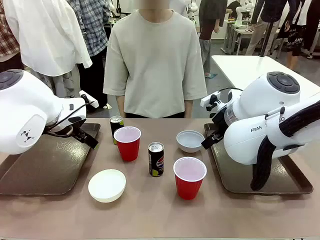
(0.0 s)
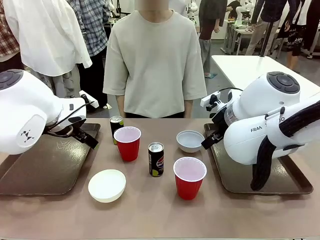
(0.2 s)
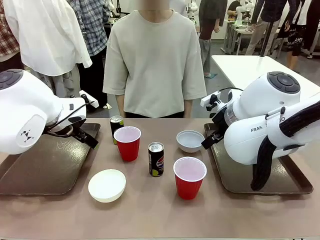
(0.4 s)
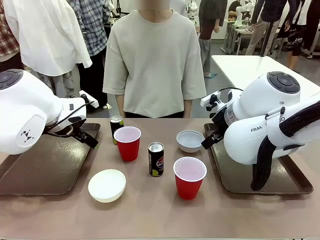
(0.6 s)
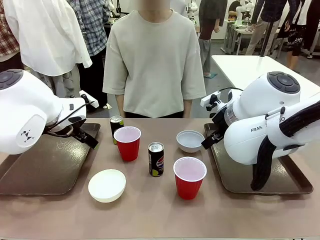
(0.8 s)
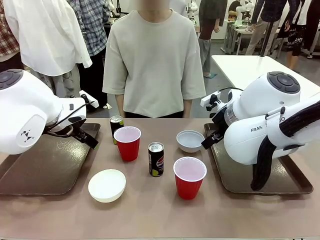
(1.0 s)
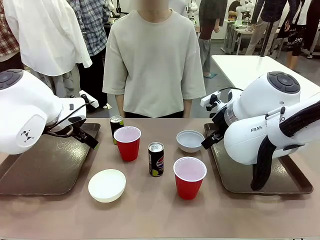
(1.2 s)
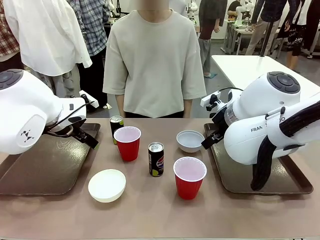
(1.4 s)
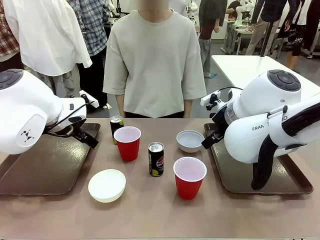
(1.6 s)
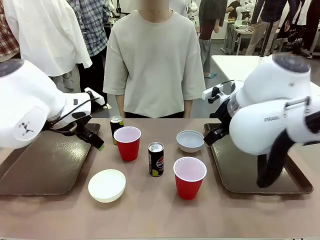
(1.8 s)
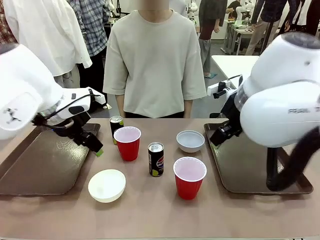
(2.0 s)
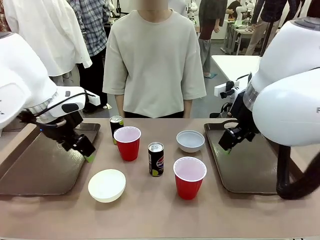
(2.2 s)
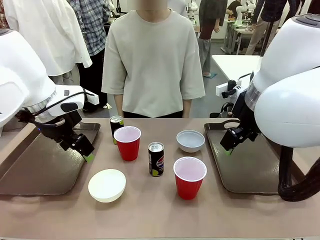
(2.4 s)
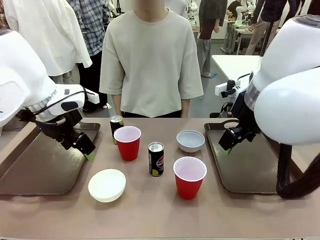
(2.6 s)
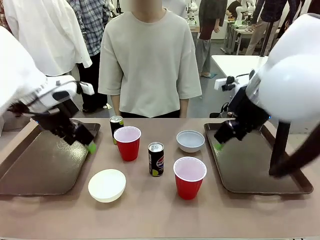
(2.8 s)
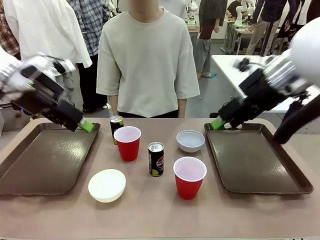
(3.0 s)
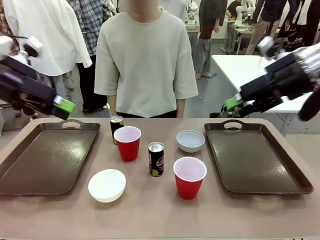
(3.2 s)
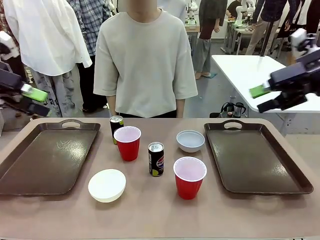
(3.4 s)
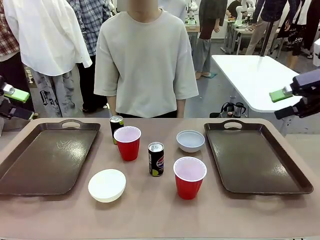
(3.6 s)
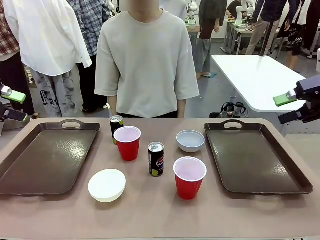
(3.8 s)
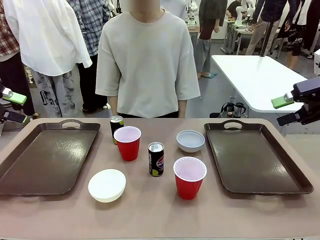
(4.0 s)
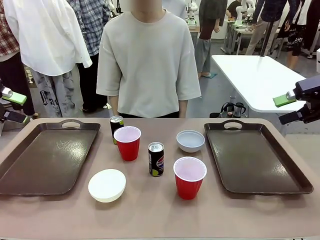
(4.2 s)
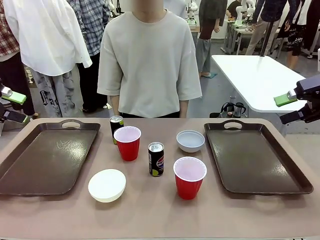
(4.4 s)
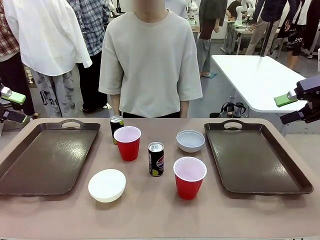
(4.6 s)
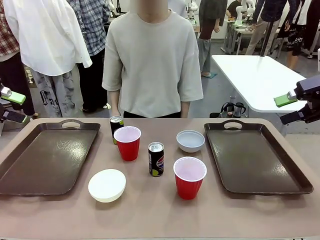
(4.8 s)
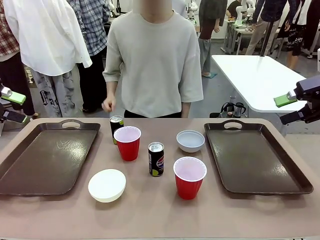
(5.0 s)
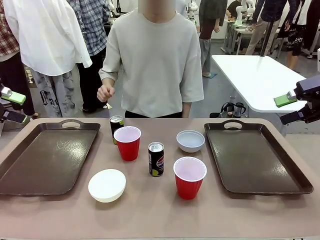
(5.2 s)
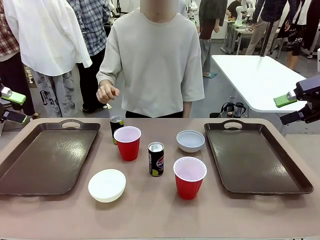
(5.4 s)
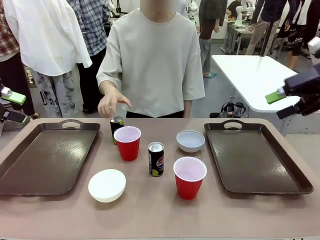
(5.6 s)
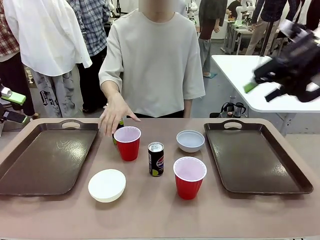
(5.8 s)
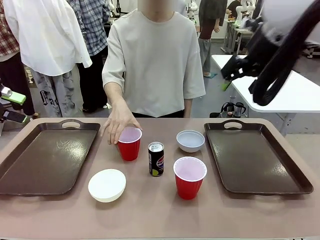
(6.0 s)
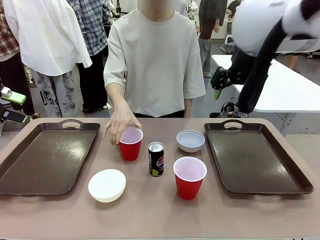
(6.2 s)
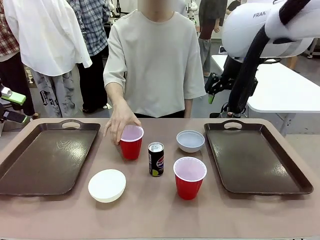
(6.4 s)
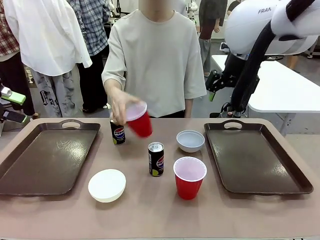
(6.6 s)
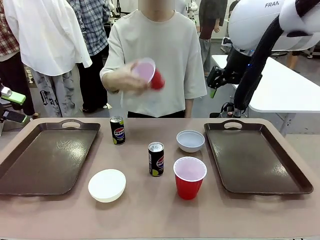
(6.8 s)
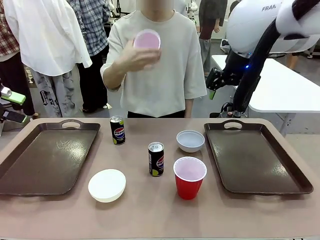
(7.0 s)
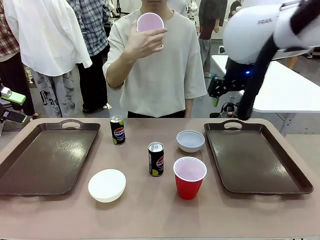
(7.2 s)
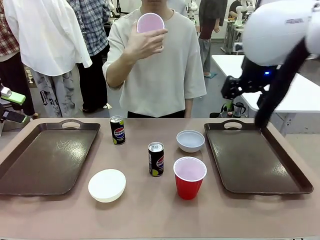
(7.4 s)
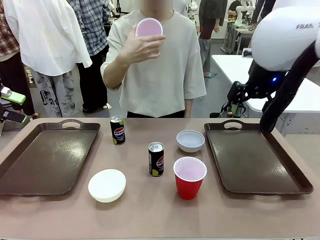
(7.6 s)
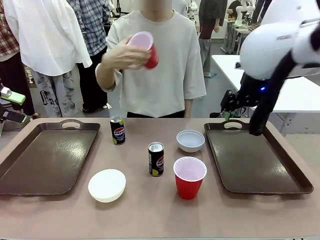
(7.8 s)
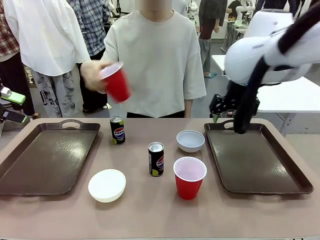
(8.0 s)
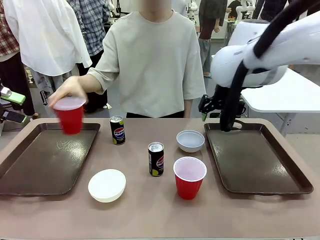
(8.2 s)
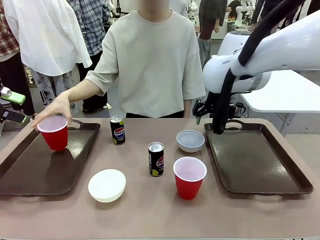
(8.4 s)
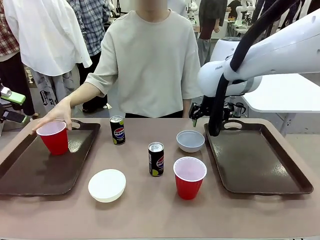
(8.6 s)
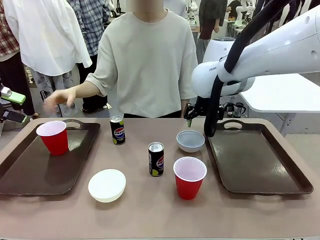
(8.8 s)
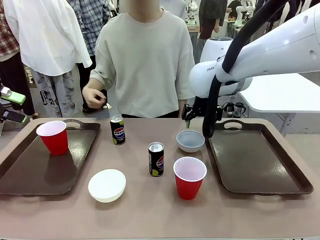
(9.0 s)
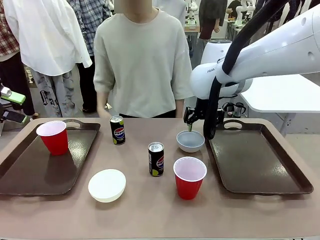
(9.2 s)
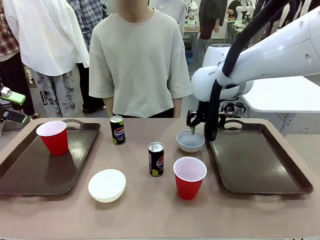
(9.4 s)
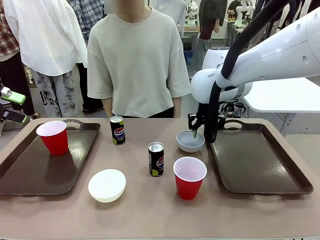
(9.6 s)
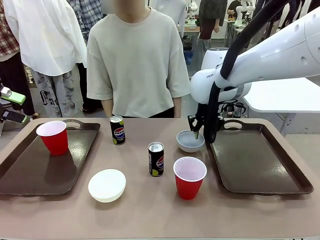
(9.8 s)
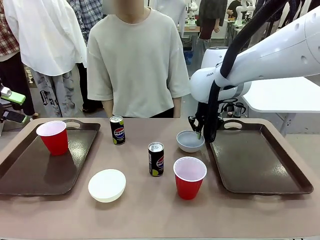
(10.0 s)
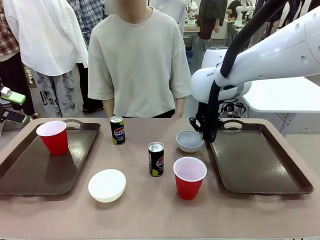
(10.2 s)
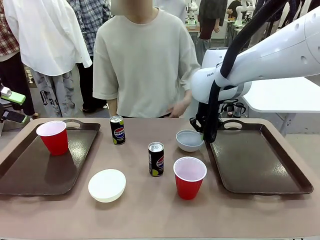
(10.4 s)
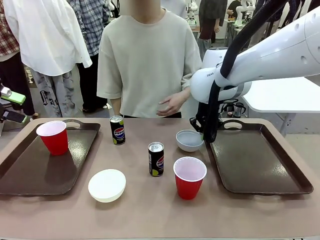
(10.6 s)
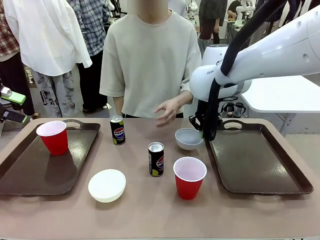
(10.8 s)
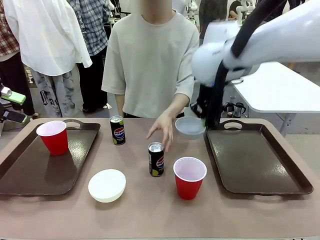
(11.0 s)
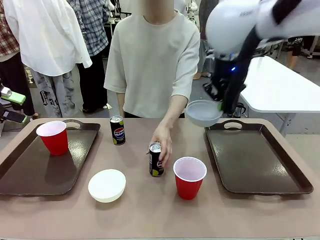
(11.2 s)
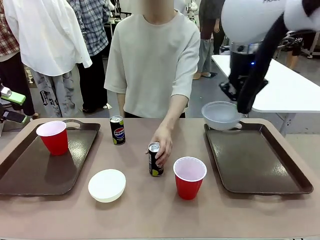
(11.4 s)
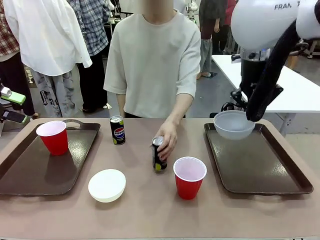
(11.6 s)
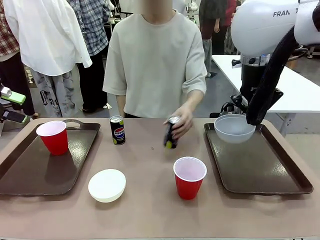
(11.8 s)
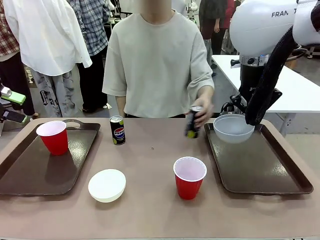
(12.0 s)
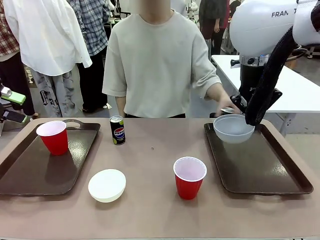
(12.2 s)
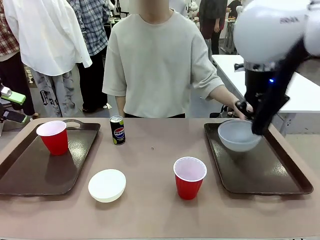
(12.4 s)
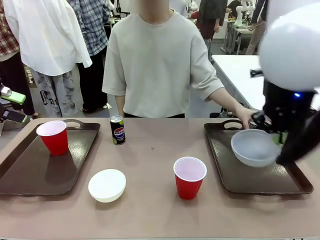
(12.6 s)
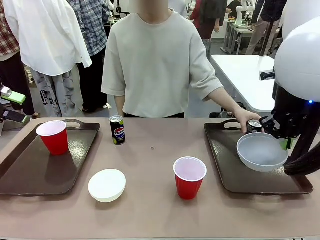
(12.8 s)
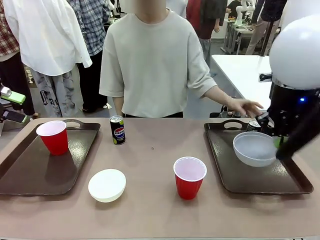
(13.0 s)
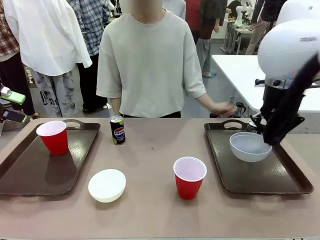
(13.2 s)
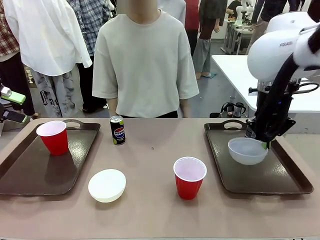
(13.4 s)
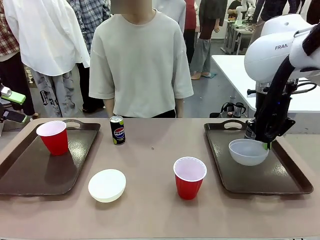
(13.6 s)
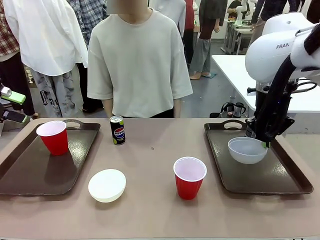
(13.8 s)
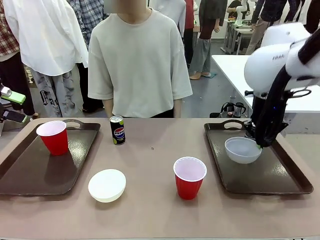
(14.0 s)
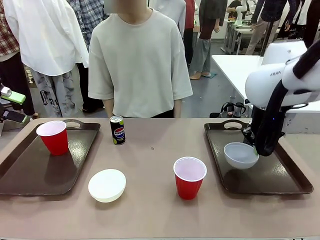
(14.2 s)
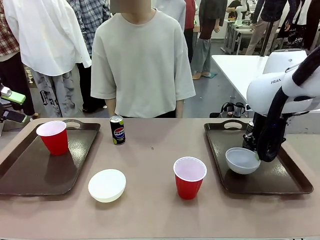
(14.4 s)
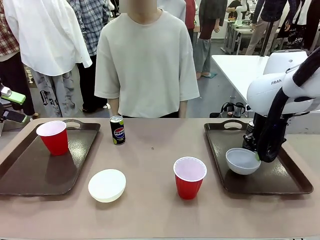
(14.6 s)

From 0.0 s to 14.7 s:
Task: Prepare tableware on both trays.
Robot: Pick up a Picnic Bowl from the table and place it on a Handle tray.
Person: Pick up a can or cup and place it on the tray.
